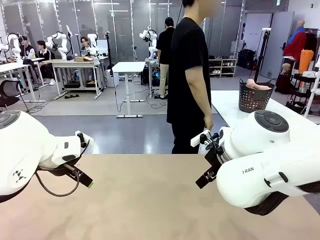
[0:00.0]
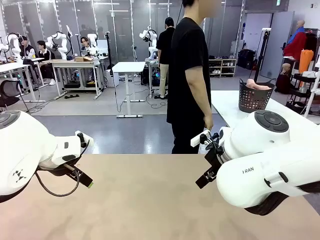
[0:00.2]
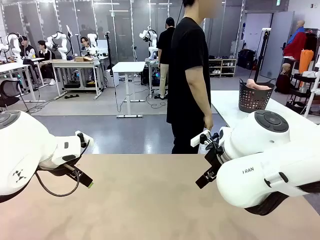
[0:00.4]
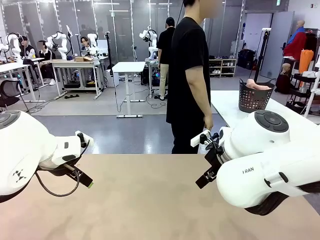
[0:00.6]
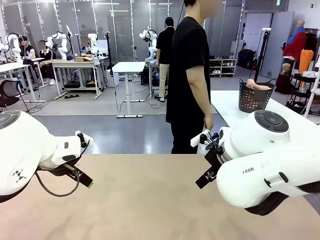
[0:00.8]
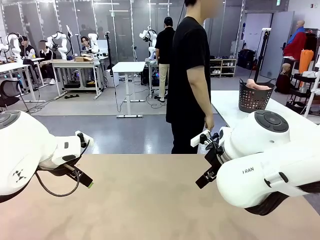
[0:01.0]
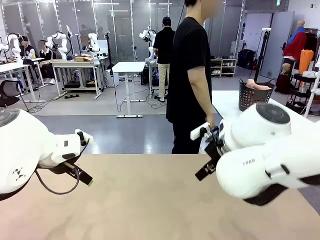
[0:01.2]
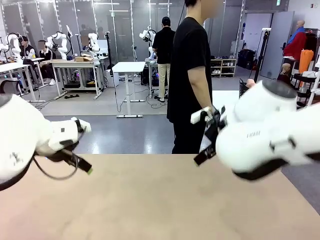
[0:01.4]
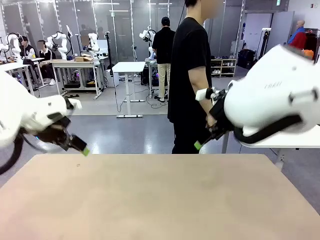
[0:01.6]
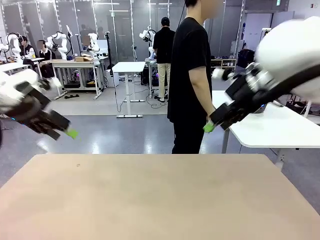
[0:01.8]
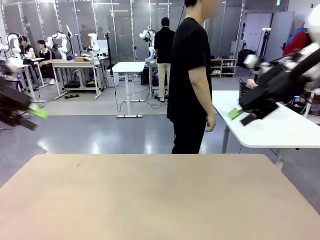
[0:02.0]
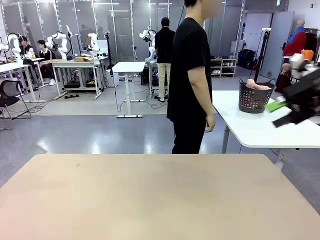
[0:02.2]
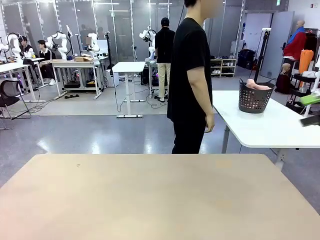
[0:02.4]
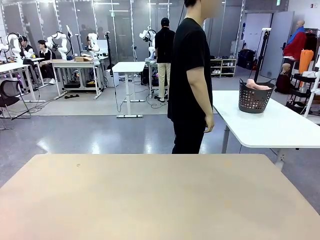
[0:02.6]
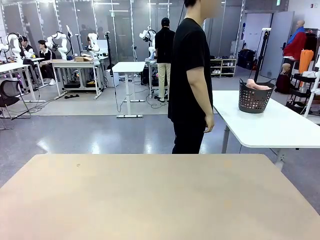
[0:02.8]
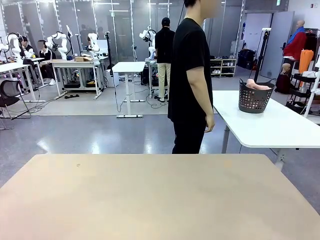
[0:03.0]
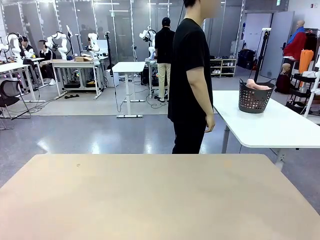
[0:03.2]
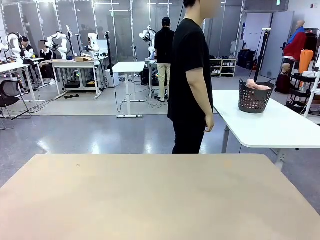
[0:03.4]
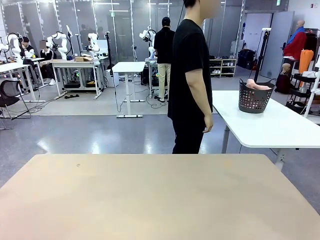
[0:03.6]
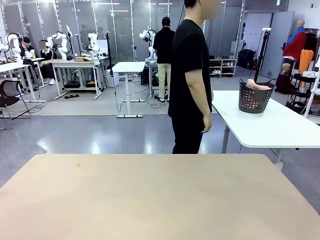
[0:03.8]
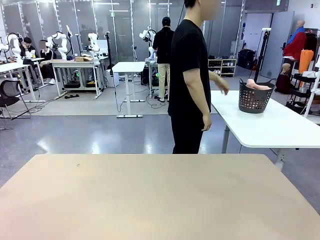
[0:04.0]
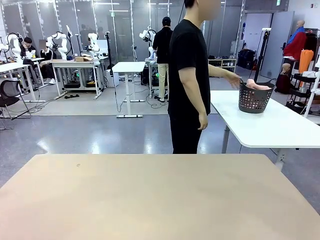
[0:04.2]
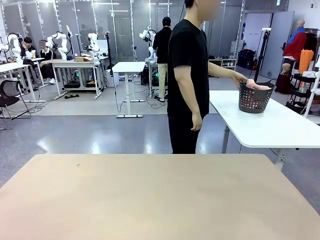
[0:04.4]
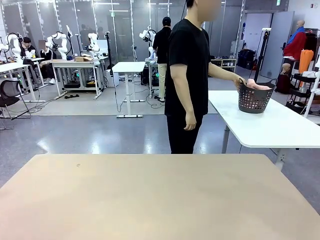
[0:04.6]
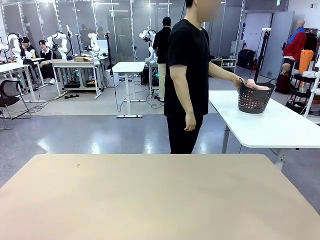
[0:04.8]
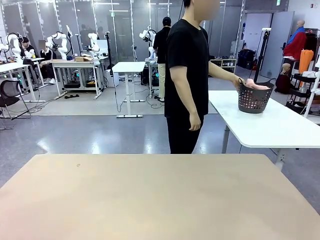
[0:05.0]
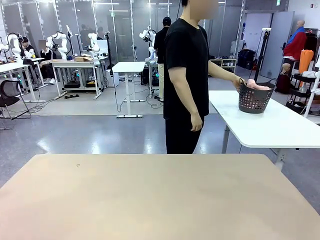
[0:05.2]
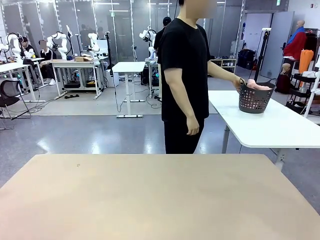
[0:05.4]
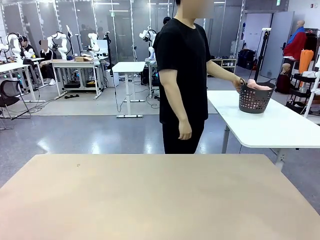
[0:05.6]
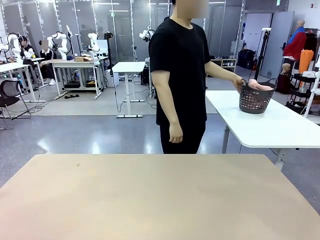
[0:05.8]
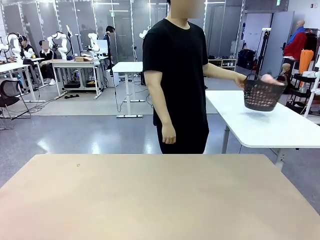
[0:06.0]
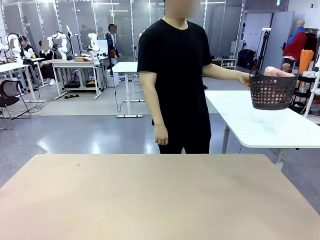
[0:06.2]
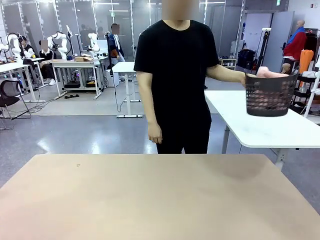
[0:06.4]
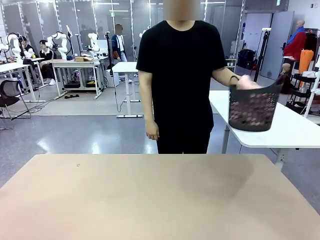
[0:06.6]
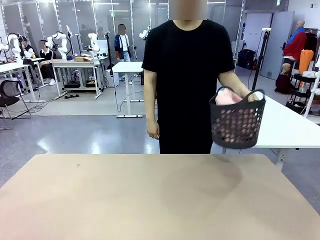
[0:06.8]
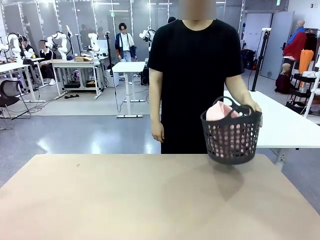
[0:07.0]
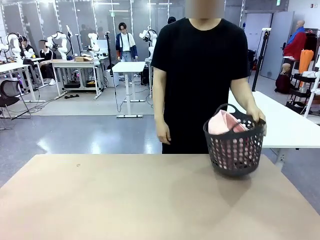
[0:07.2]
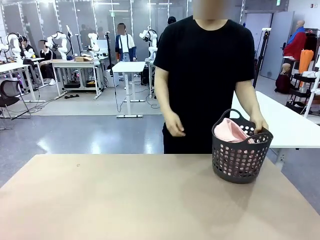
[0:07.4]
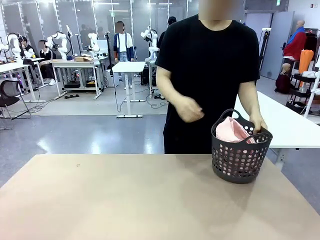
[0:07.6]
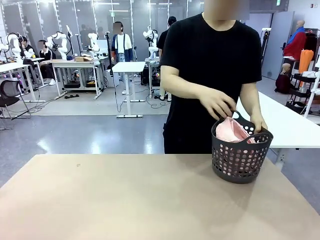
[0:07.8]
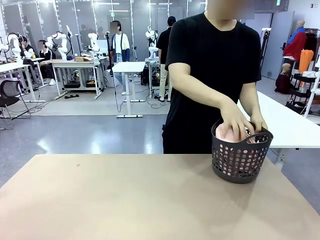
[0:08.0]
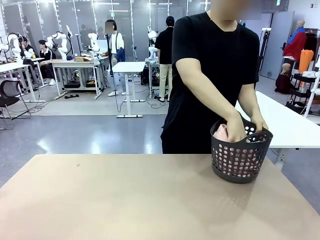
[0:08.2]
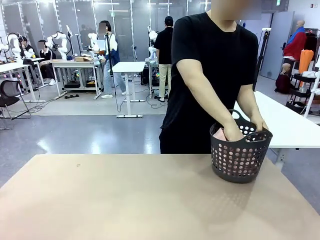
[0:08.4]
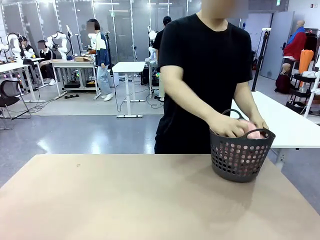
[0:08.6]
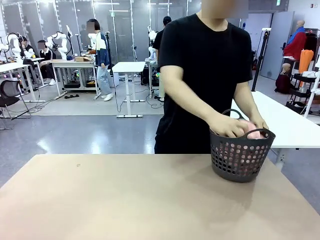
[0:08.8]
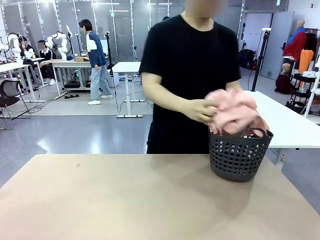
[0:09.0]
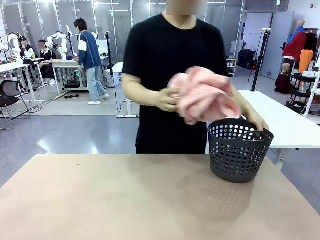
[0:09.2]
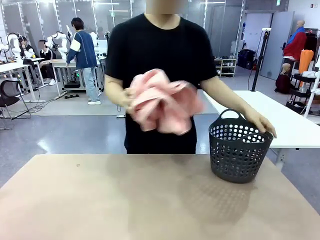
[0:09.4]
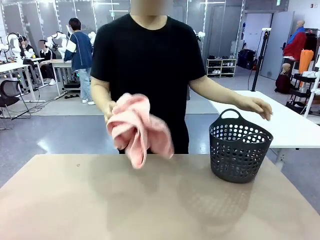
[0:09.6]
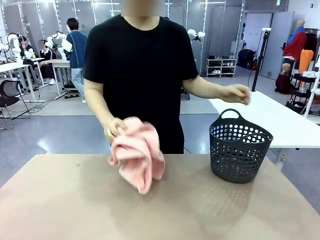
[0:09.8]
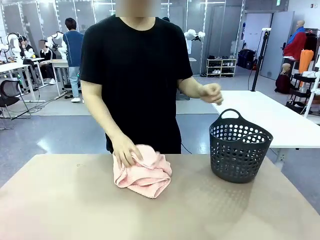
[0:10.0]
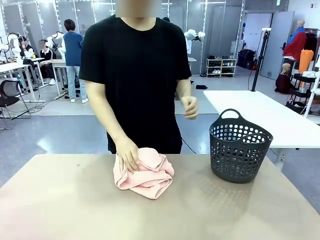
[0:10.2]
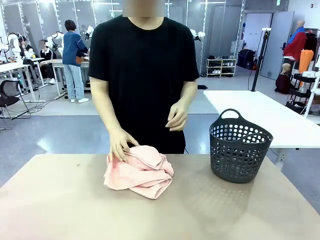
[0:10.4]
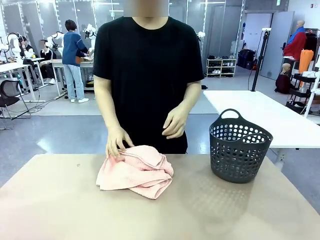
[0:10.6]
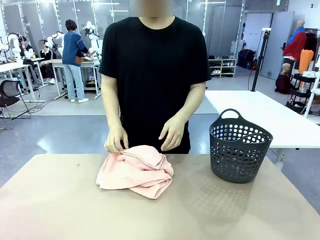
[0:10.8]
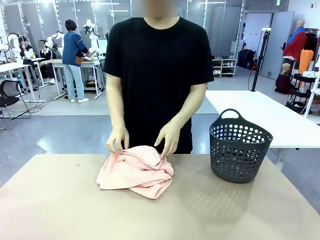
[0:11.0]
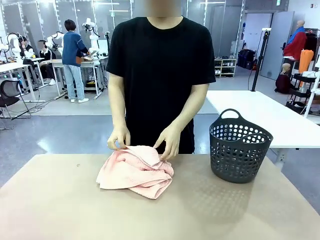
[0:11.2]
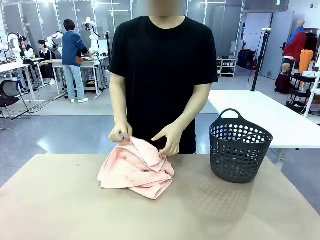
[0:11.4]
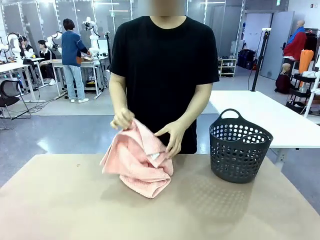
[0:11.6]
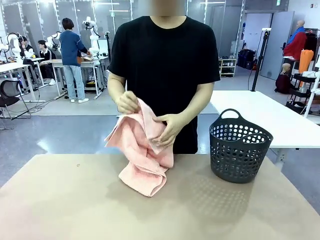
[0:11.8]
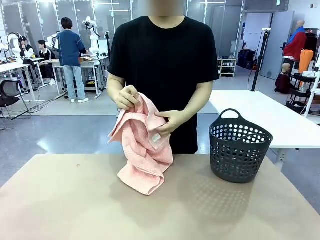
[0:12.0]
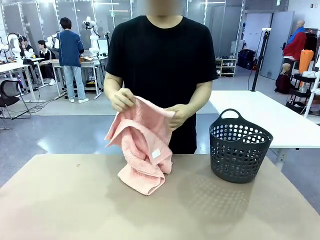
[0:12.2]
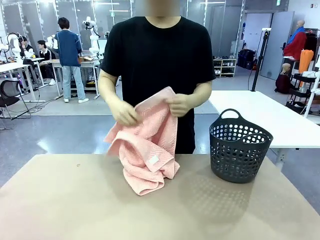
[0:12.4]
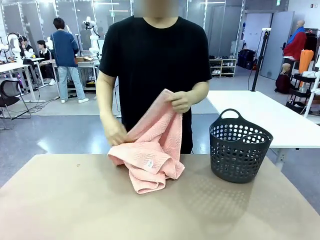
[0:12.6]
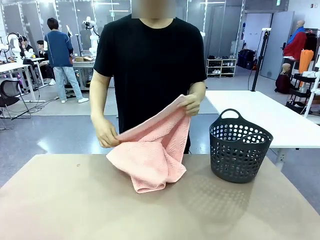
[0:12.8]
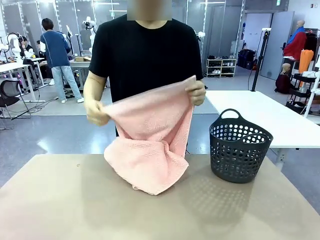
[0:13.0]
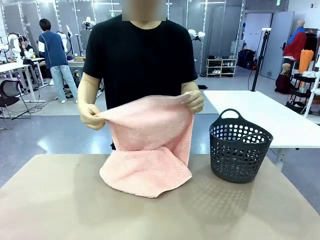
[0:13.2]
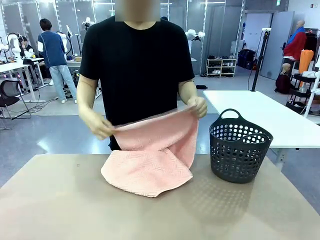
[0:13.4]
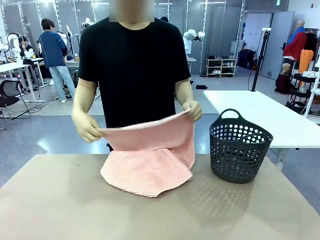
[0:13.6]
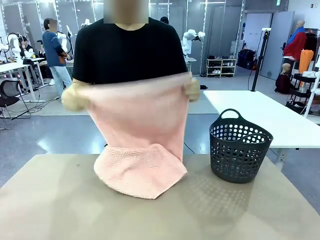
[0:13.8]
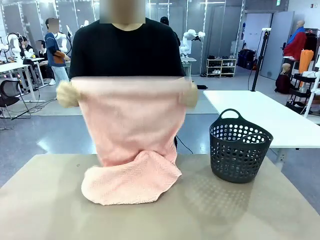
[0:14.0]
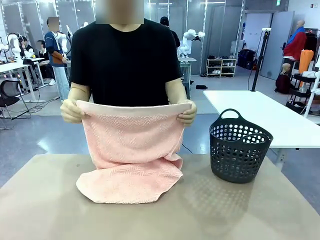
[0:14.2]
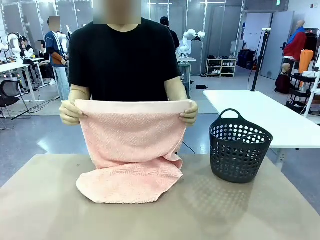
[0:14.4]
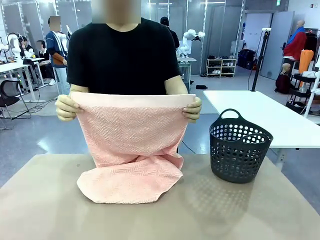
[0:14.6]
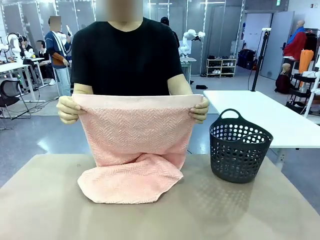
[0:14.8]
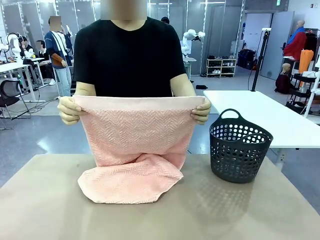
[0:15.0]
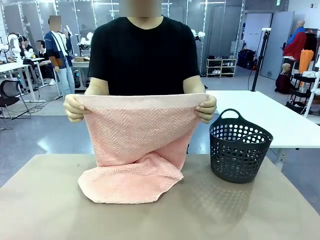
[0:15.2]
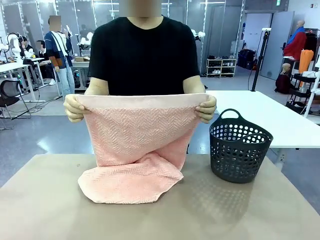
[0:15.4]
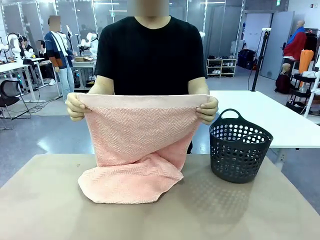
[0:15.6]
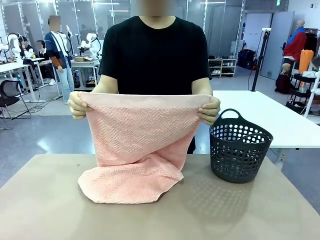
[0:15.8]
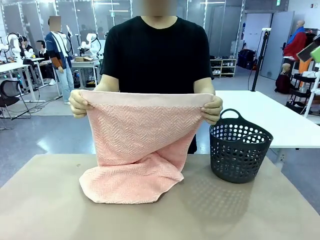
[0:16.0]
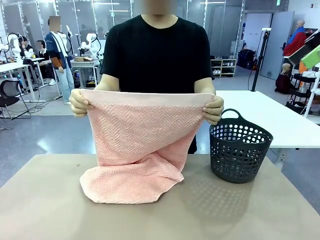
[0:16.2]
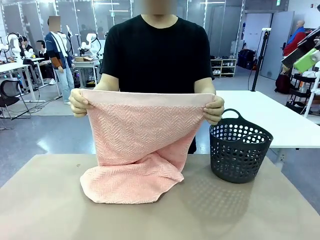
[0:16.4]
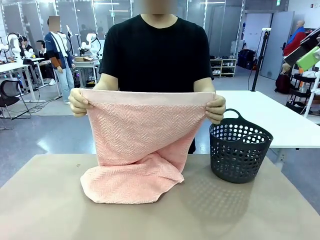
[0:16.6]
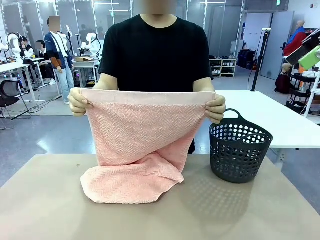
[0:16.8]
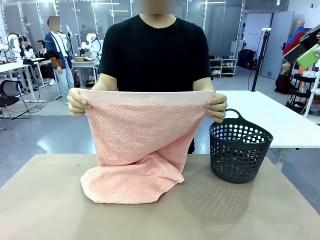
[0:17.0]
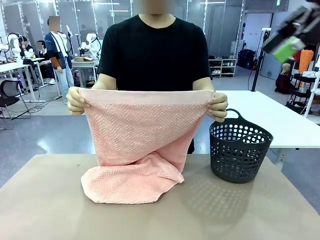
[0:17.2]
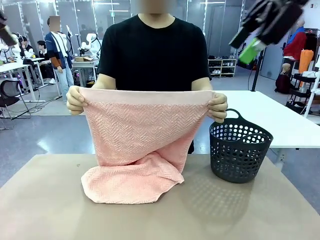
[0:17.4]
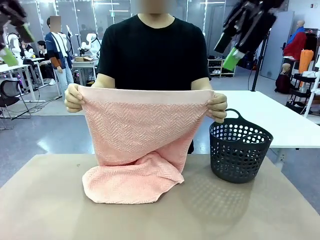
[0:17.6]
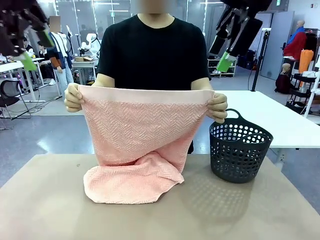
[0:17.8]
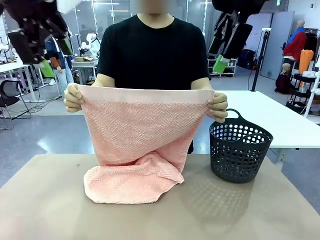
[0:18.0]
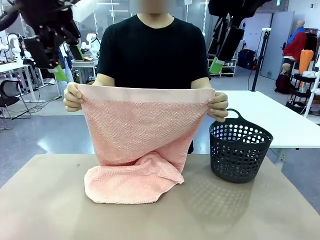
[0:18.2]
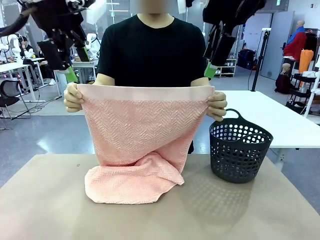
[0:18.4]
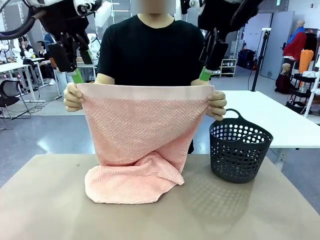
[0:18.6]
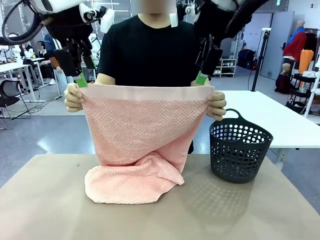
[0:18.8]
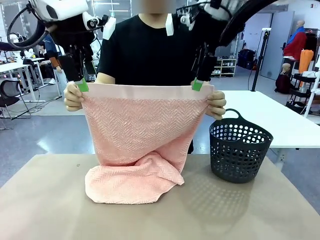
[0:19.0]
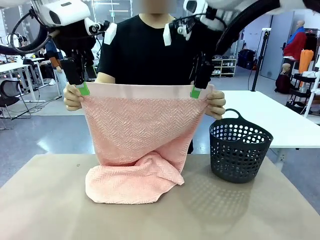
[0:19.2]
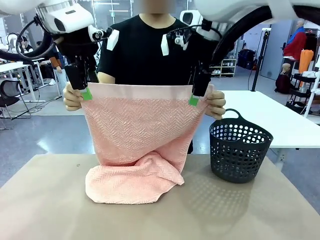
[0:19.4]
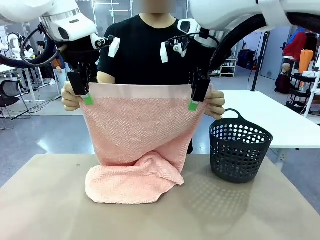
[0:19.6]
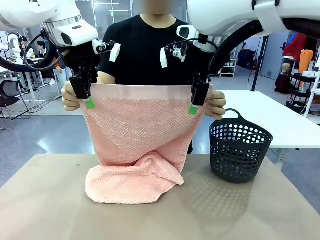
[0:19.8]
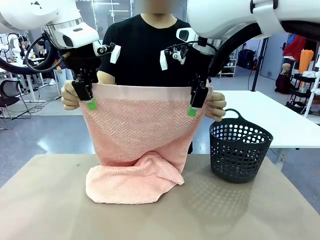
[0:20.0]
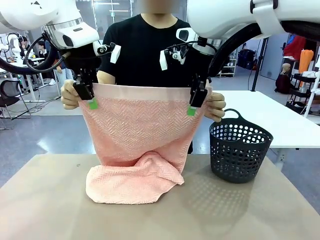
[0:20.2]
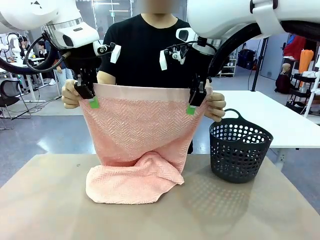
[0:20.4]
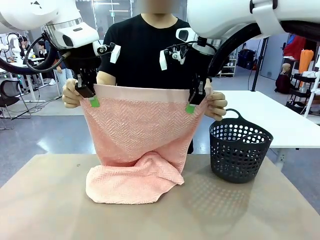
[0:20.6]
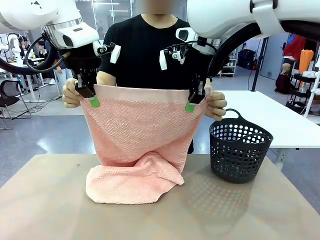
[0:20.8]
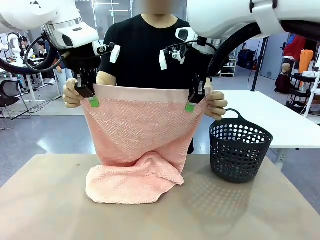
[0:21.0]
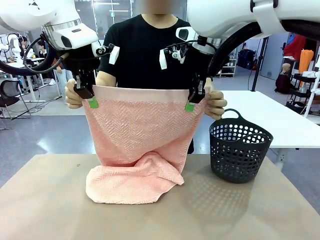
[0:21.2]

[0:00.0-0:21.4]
Task: Fold the towel.
Robot: Grab the top end of the 100 cm Hotel Towel extended by the human.
Person: Pick up the laundry basket, place it on the left side of the robot table, then take out a towel and hand it to the robot while holding both corners of one end.
